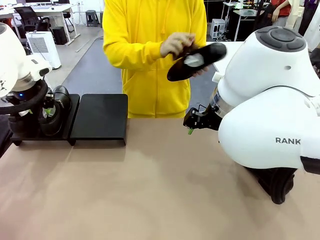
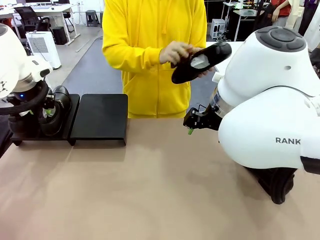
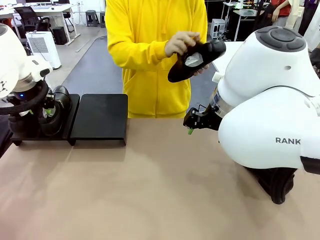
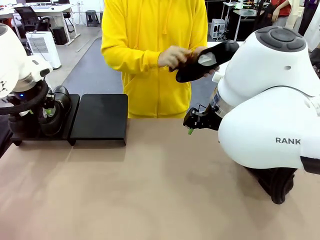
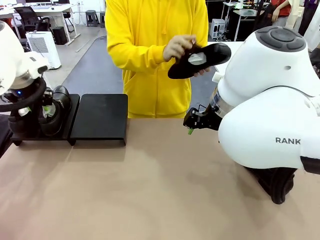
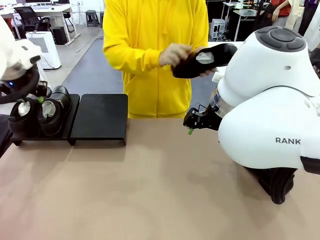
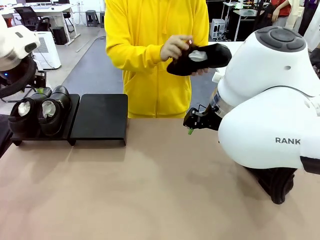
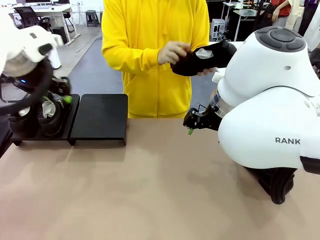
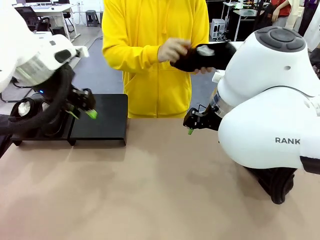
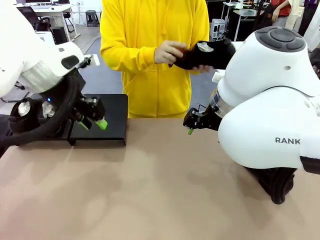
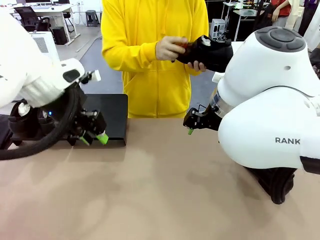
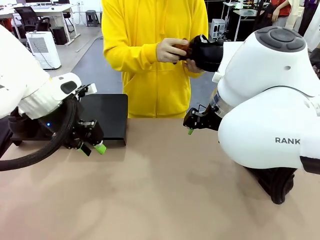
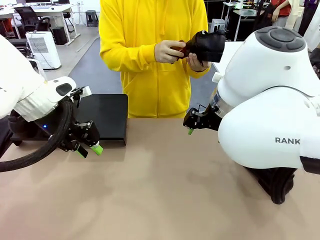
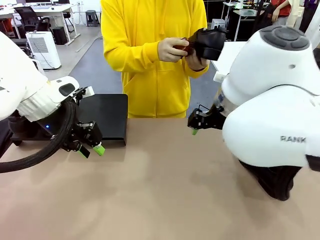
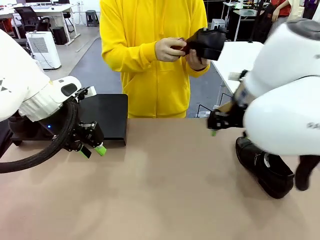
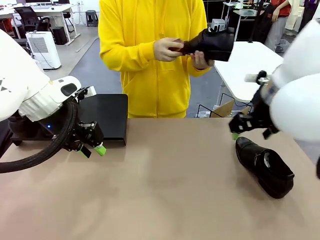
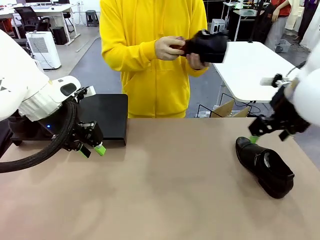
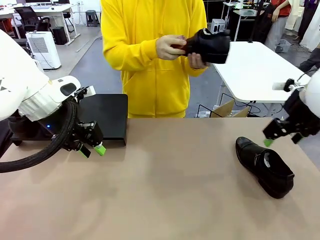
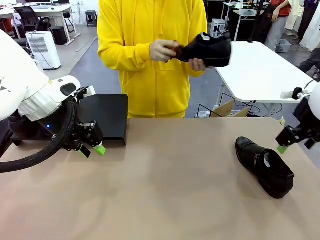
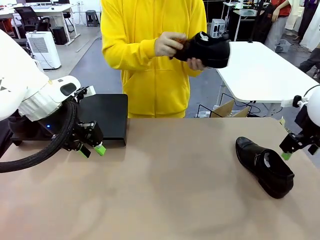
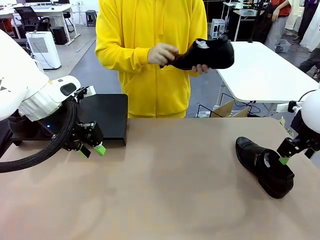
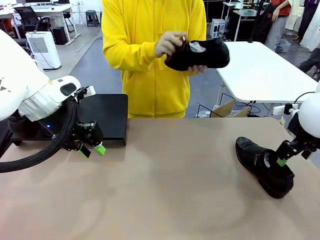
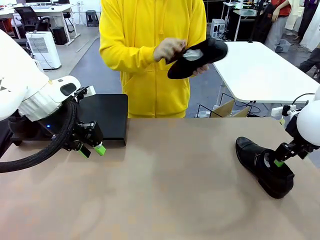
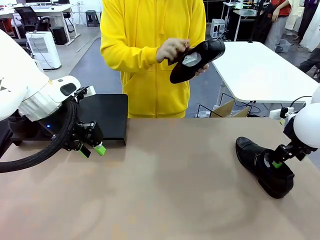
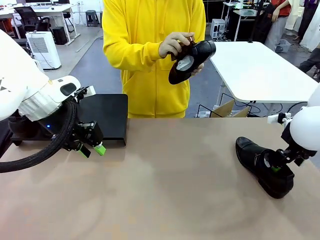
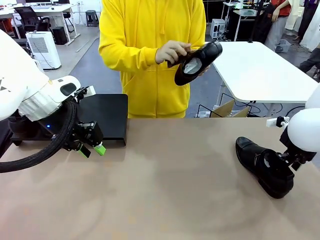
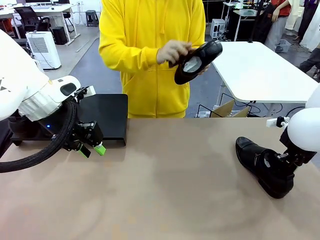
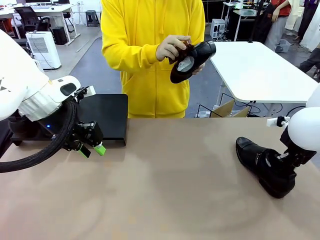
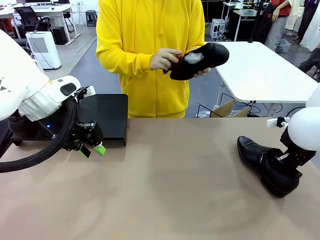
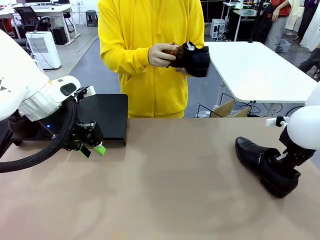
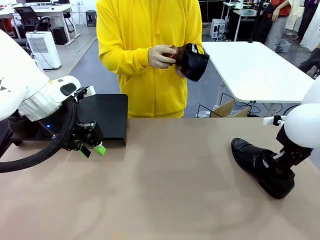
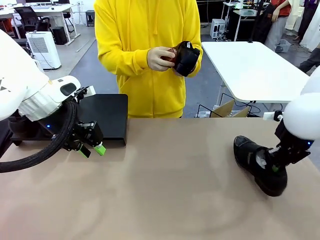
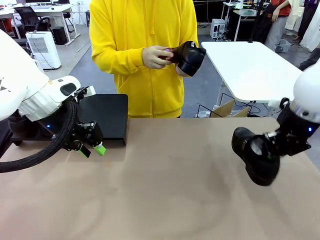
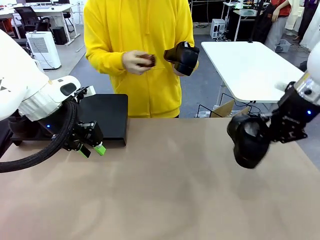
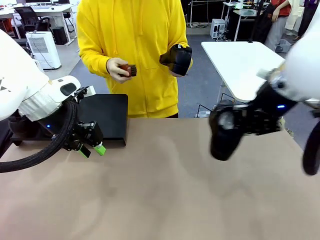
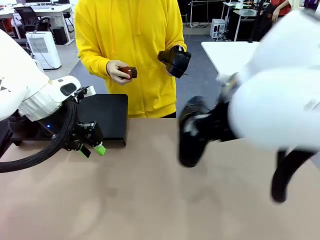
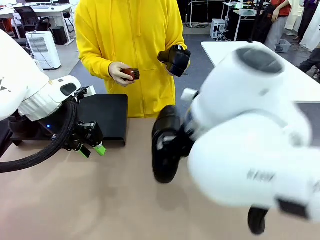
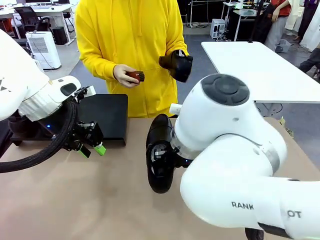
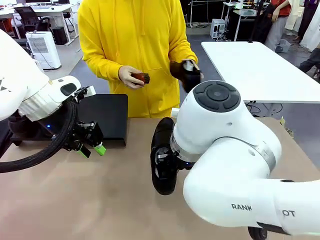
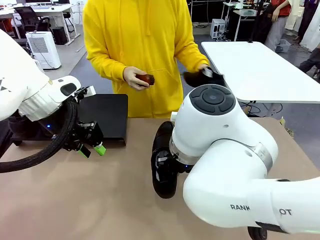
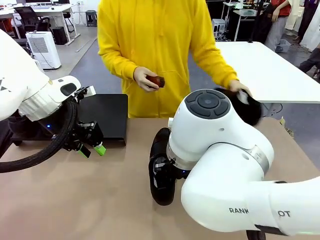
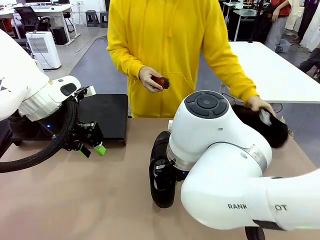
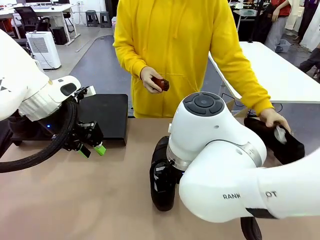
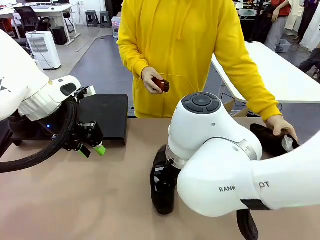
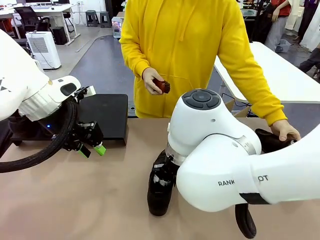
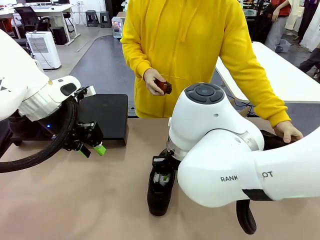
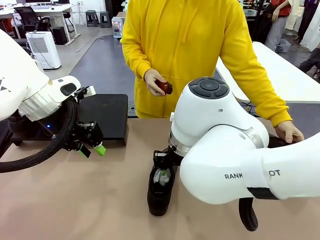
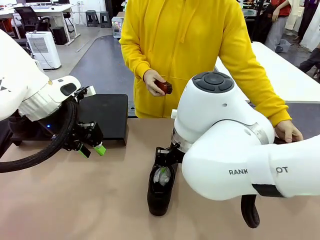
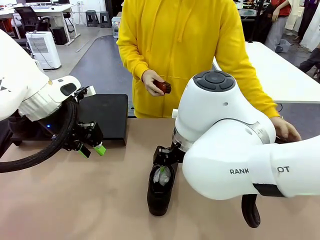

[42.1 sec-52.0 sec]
Task: Organize the shoes by placing them on the stand.
Robot: Pick up one Shoe and place it in the middle of the table.

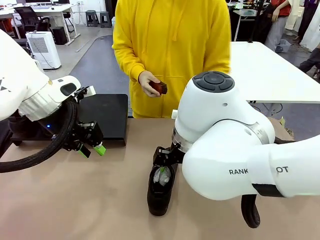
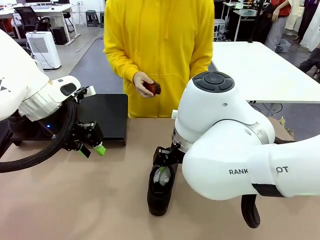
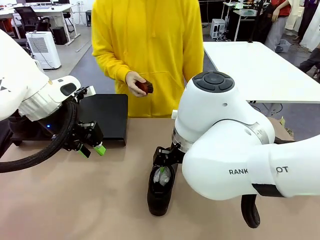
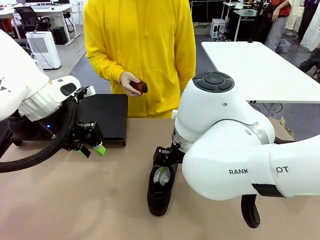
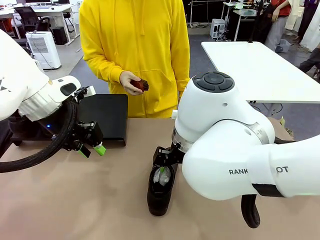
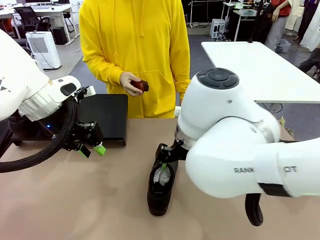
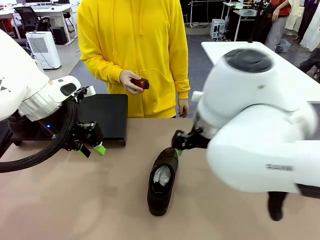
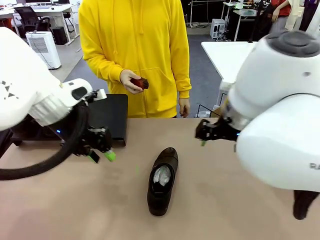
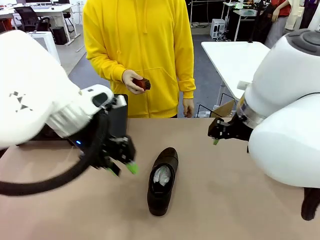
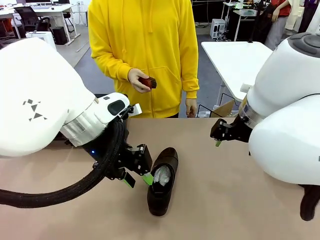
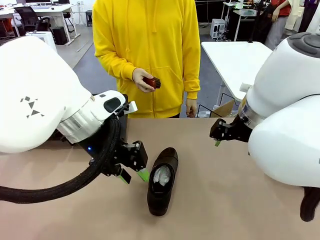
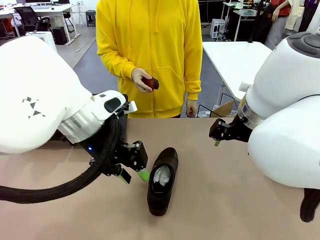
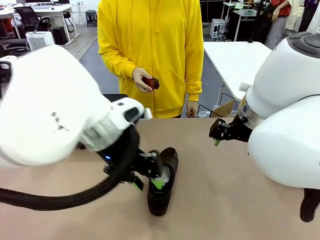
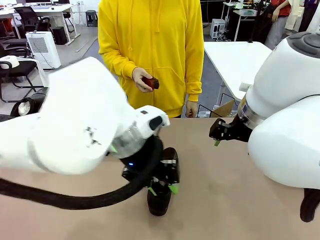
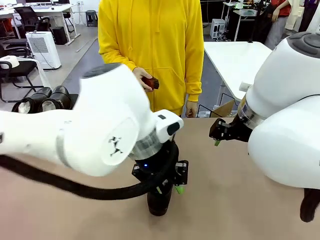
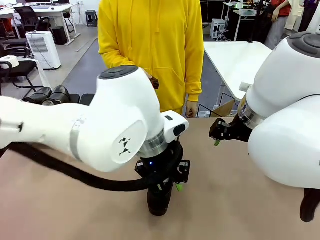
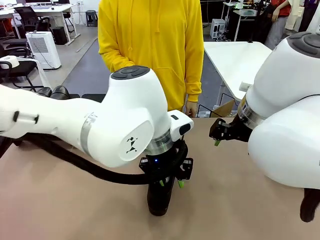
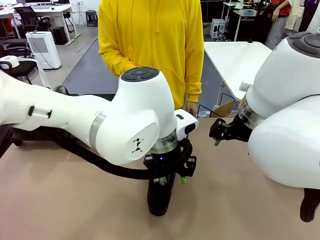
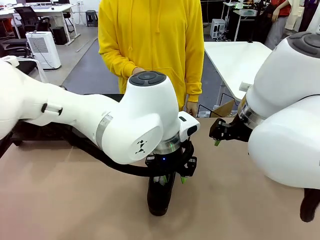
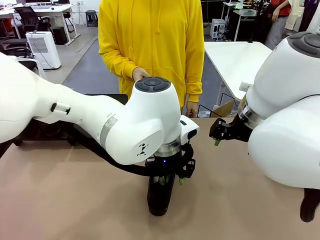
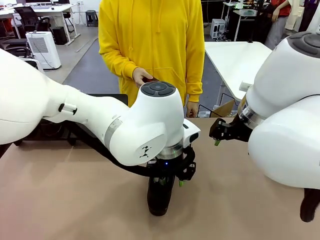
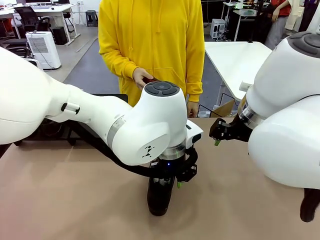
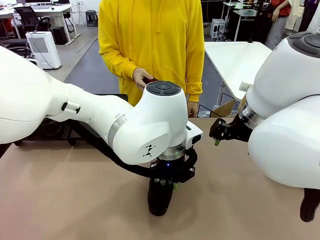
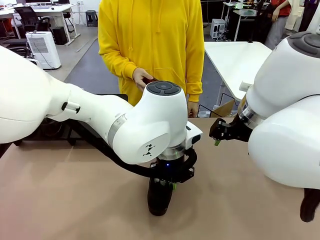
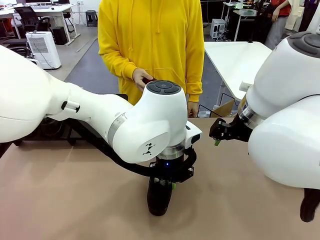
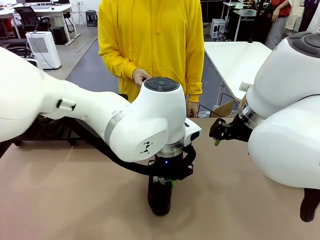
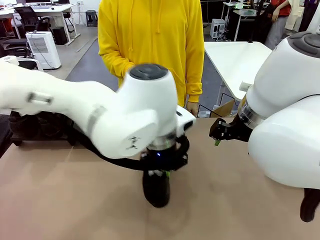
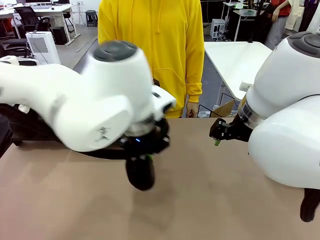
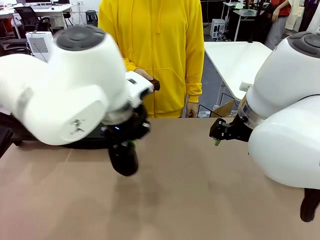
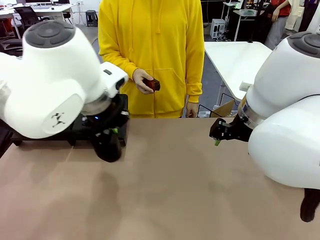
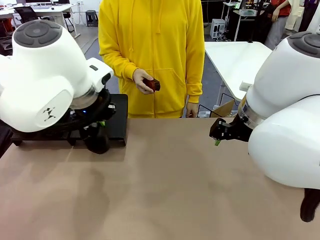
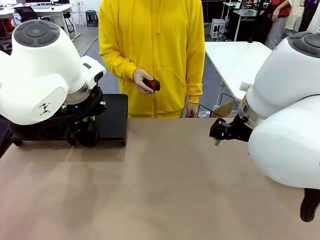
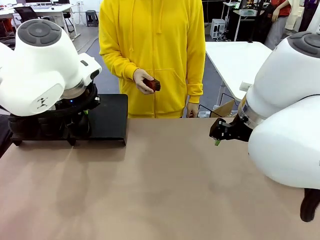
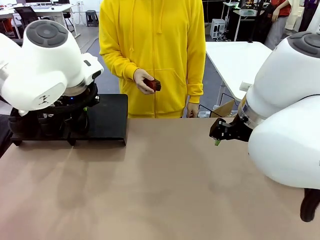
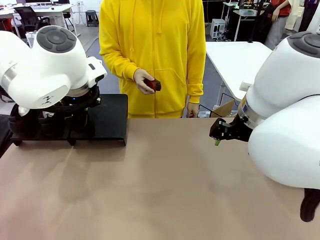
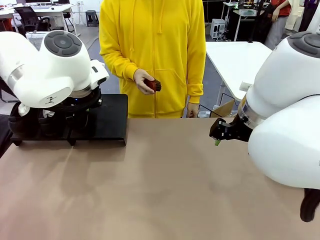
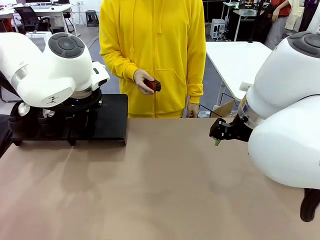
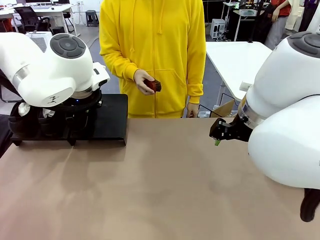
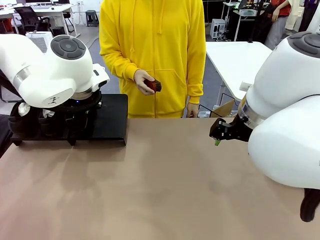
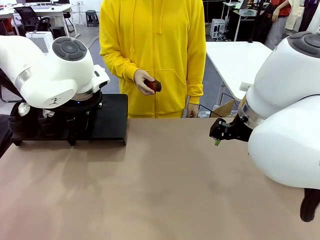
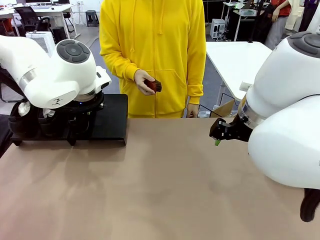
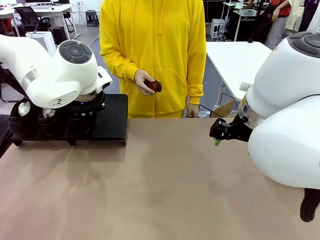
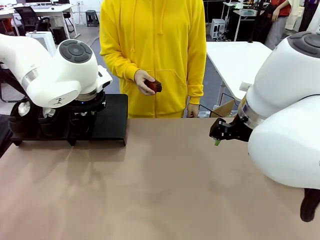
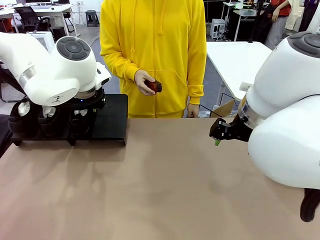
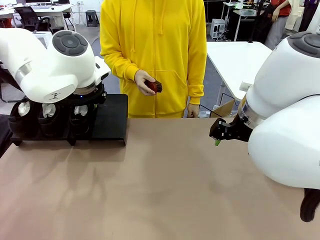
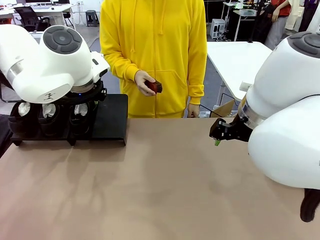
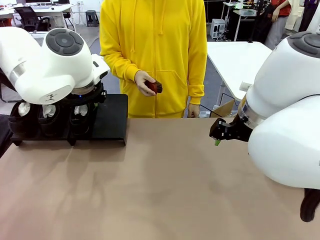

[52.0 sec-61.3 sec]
Robot: Place the Shoe from the middle of the table onto the Shoes Stand.
